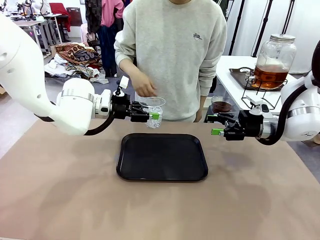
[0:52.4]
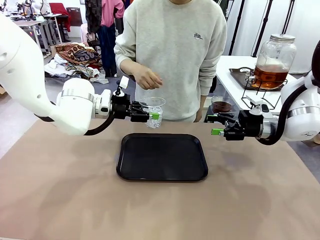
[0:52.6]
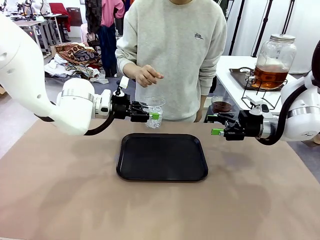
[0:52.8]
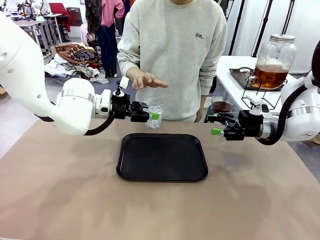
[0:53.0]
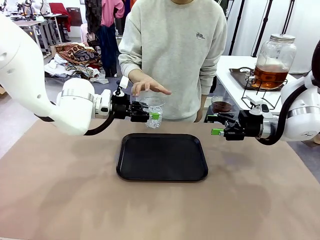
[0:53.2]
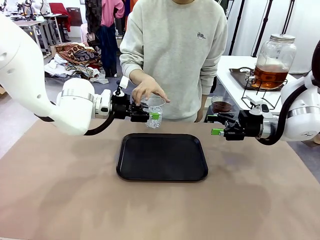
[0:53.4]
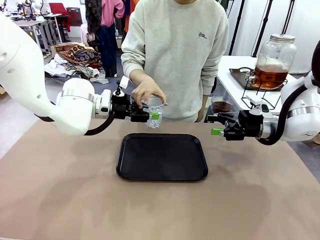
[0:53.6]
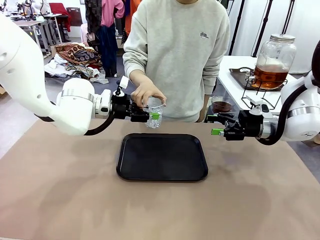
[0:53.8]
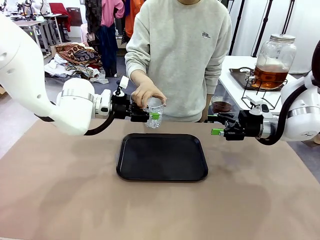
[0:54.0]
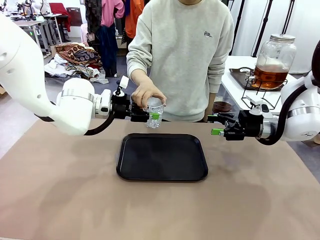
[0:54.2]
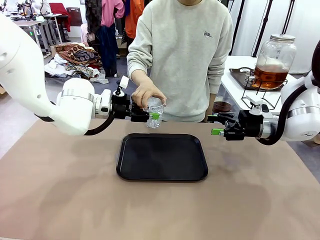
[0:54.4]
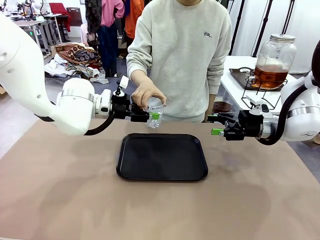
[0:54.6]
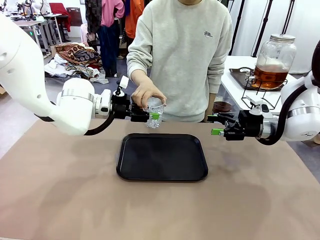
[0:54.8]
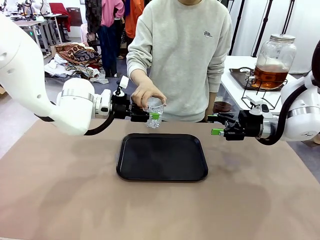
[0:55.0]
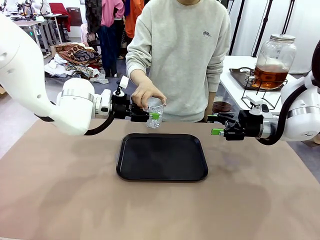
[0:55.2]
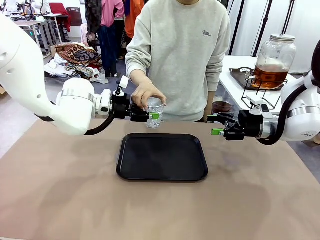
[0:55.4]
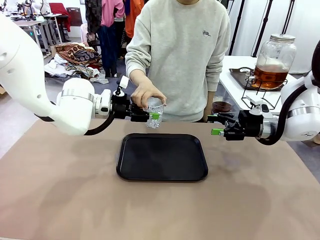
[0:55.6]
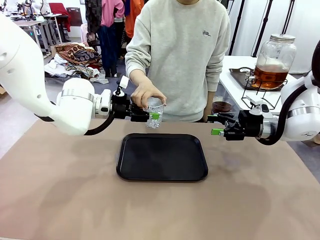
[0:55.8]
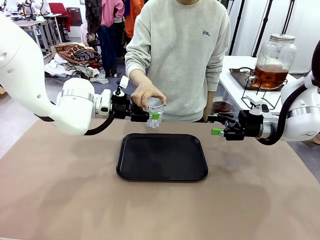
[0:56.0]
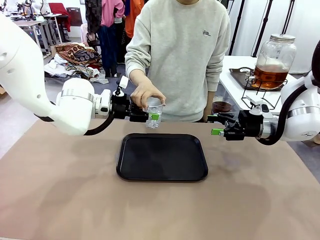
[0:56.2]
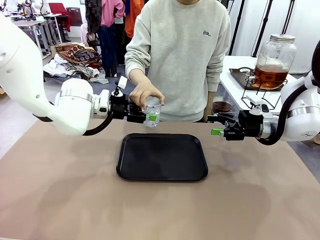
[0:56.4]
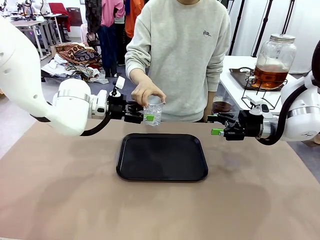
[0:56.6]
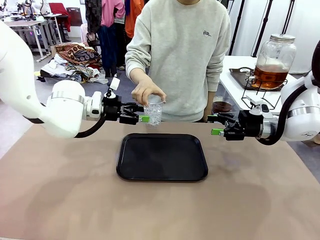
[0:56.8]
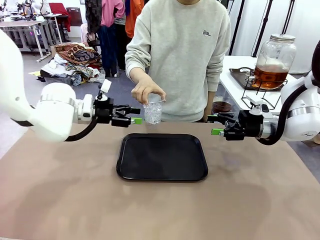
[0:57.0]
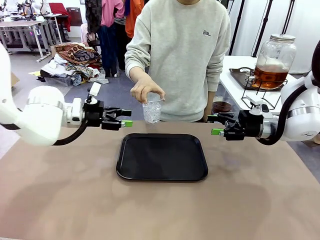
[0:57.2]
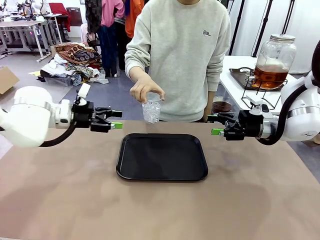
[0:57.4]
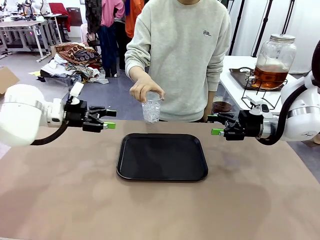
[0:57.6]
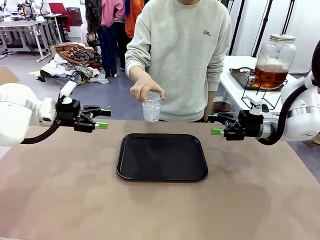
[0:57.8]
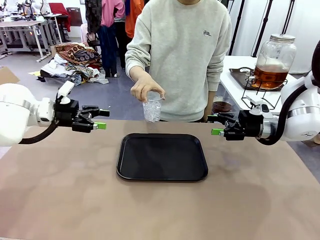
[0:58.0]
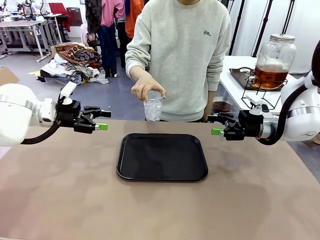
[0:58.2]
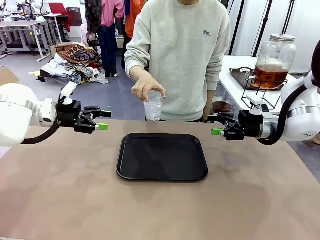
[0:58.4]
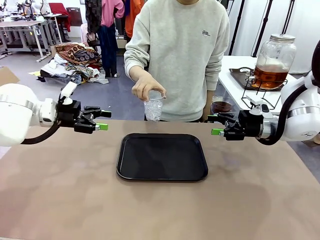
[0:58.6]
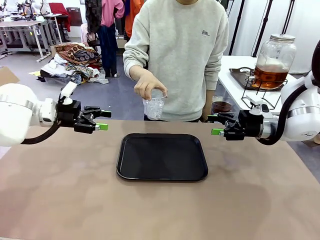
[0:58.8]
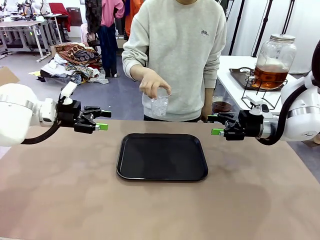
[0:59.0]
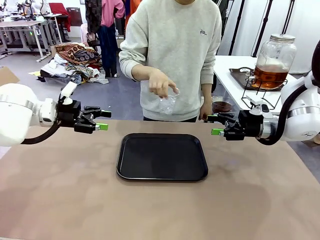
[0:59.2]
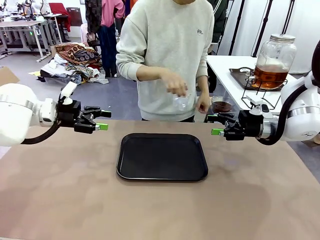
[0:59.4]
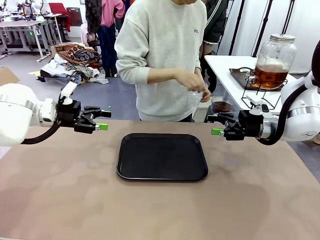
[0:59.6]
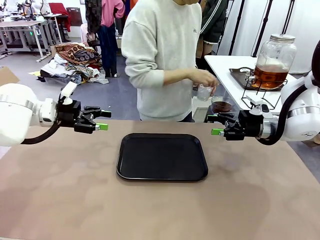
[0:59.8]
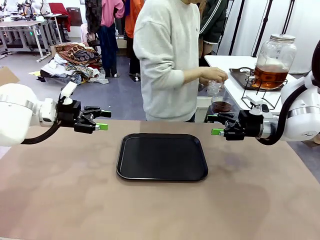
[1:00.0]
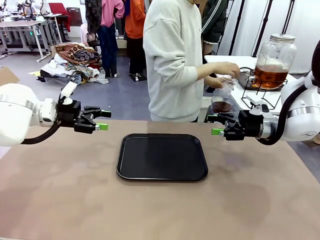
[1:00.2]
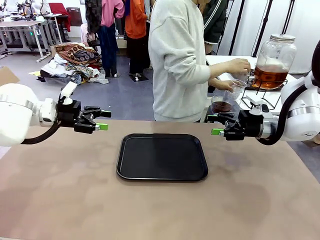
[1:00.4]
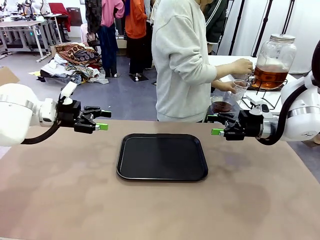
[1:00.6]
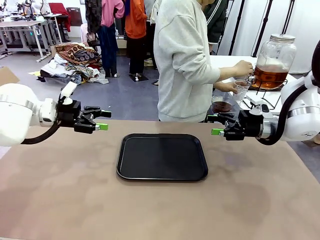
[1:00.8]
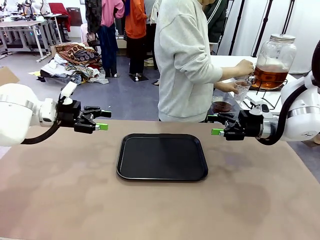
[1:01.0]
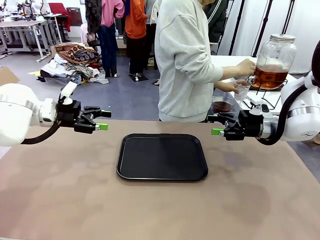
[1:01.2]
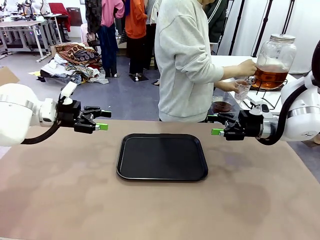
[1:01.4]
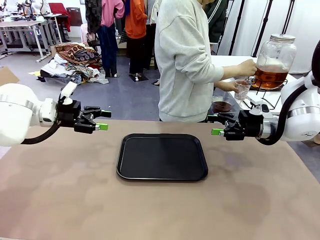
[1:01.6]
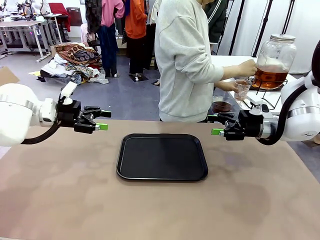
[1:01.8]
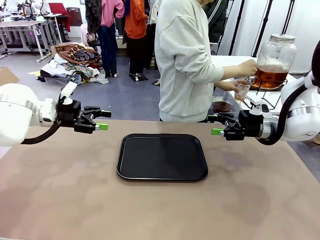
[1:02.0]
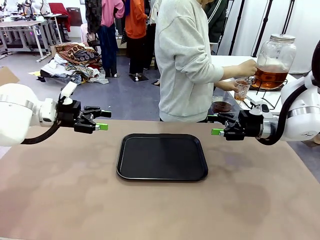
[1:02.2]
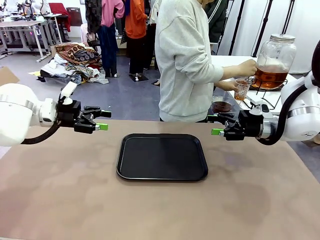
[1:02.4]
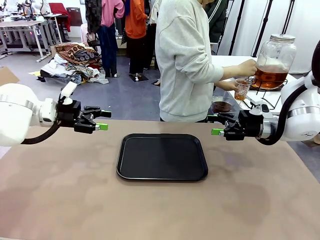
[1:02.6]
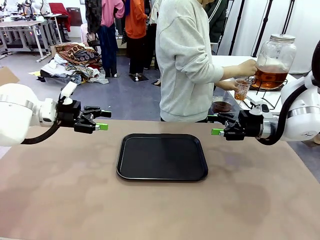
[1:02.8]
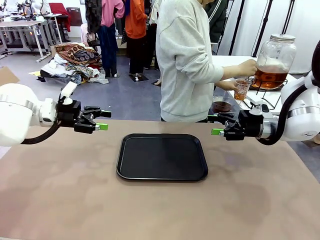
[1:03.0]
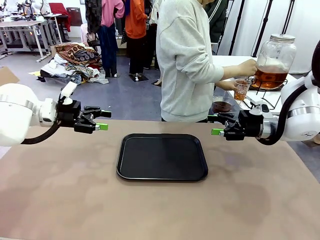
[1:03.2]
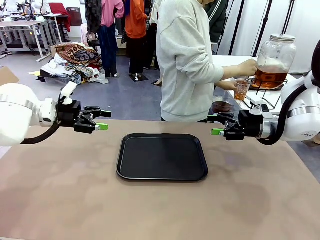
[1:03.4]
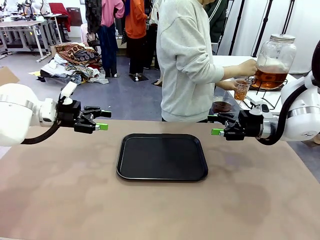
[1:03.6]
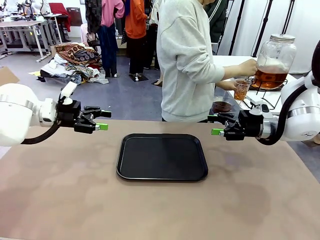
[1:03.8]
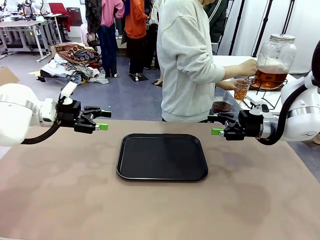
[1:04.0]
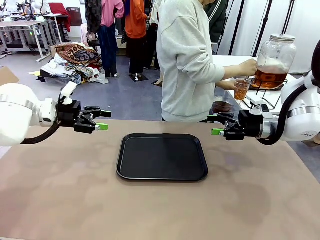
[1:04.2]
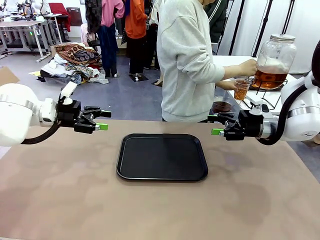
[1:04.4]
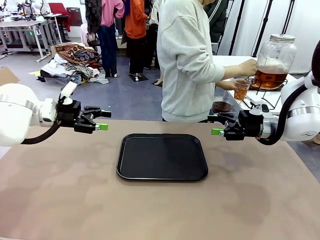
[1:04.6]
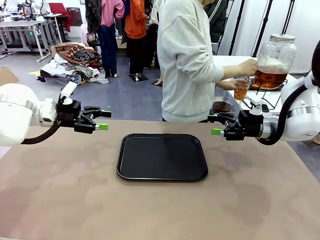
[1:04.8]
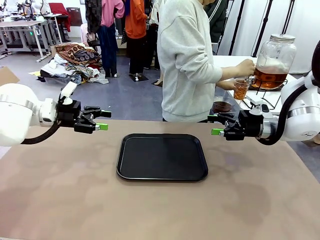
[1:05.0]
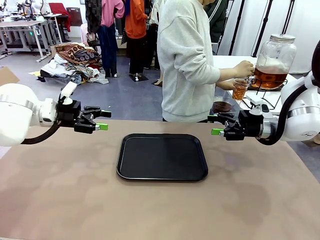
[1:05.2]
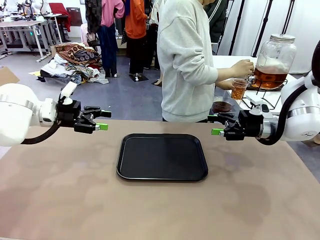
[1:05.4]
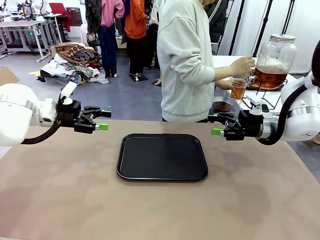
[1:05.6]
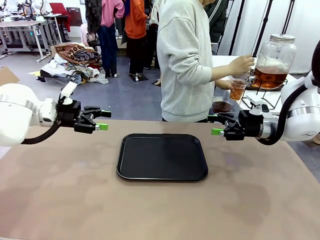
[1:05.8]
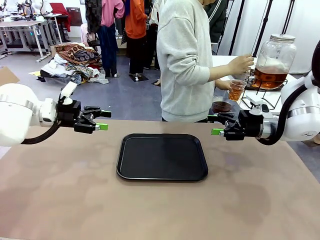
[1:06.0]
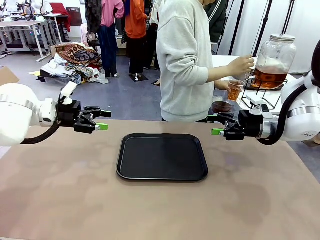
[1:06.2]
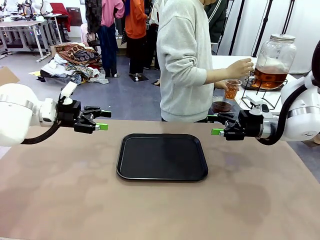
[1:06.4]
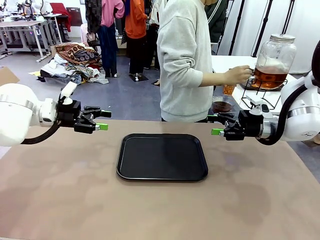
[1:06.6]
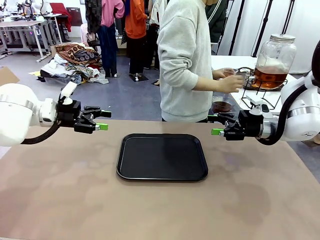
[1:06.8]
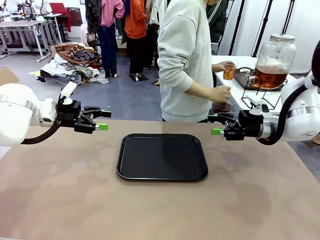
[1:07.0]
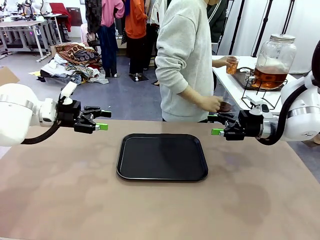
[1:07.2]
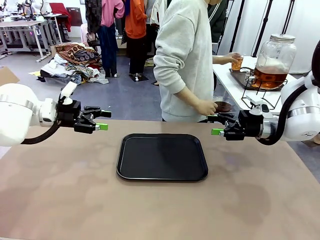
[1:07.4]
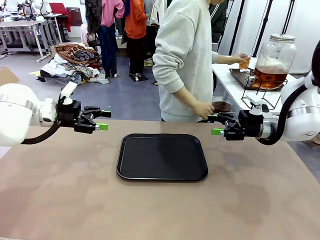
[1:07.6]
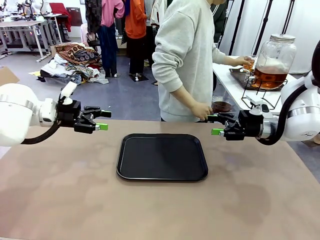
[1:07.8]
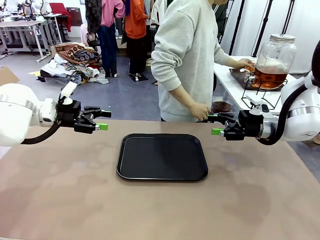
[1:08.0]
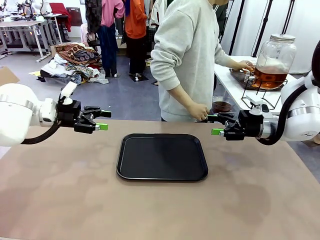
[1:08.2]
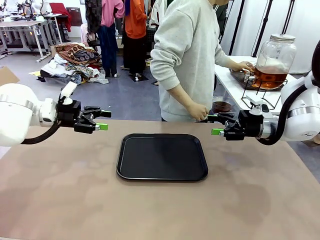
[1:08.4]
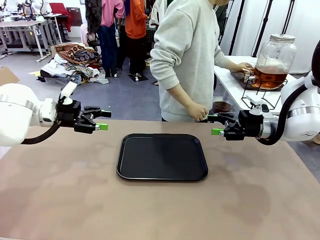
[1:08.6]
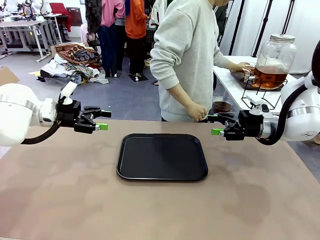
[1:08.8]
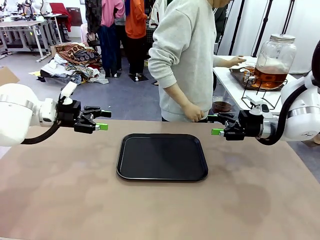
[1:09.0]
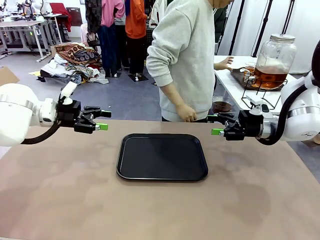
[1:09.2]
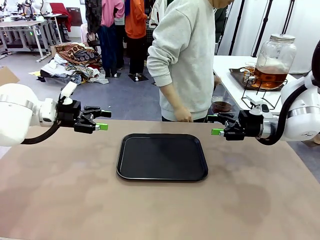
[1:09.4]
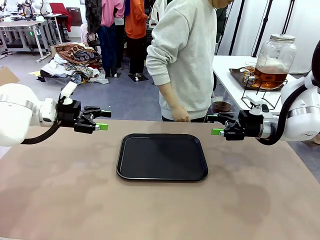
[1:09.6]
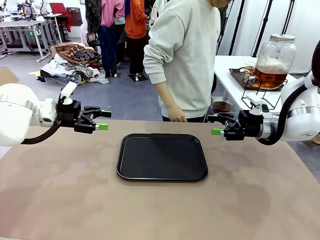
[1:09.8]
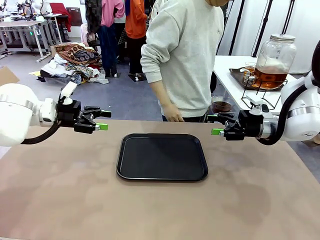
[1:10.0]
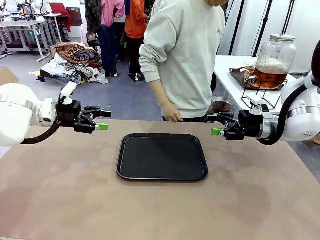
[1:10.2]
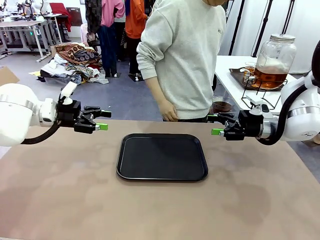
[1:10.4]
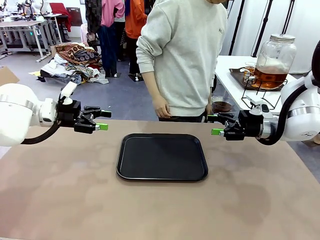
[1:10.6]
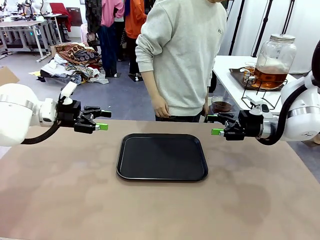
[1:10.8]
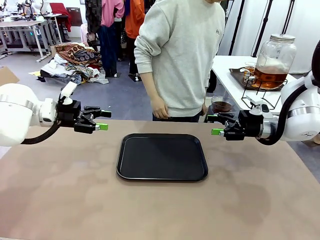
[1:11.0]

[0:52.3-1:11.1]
Task: Pour the drink into the iced cup.
Robot: Open the gripper to release the iced cup you were holding.
Person: Move the picked-up cup under the dispenser faucet, pour the drink, and place it on the tray on the human table.
